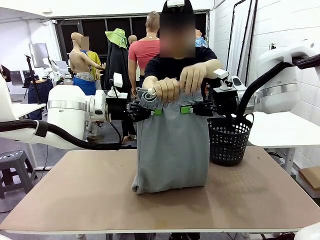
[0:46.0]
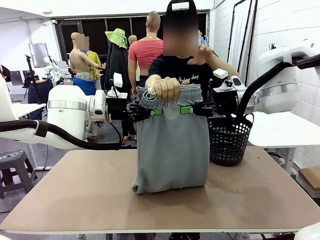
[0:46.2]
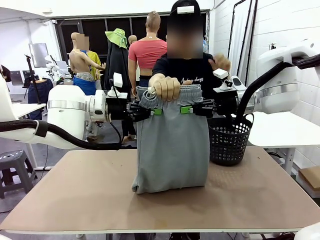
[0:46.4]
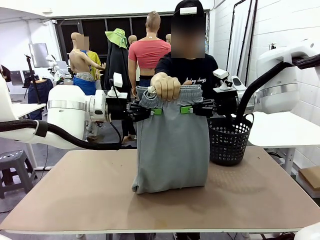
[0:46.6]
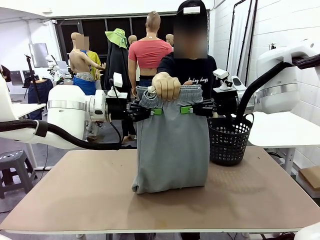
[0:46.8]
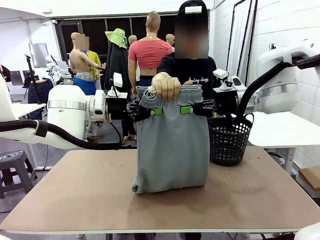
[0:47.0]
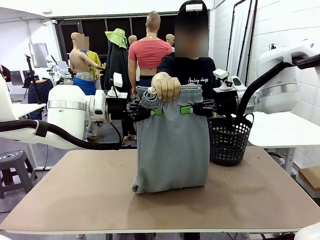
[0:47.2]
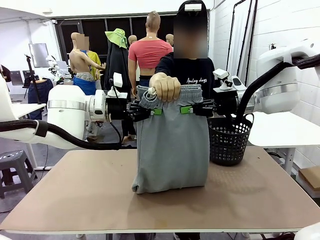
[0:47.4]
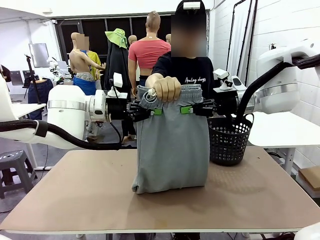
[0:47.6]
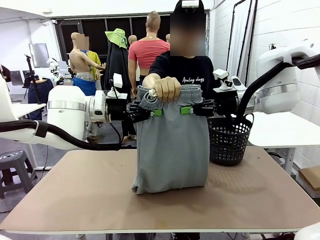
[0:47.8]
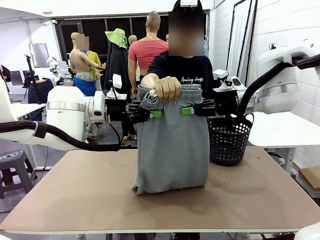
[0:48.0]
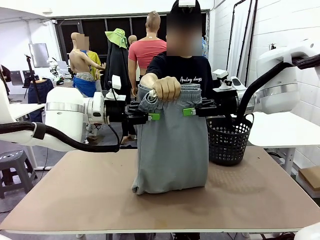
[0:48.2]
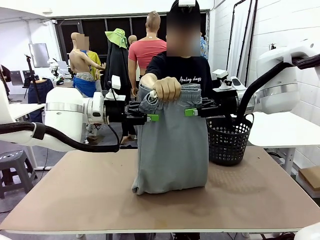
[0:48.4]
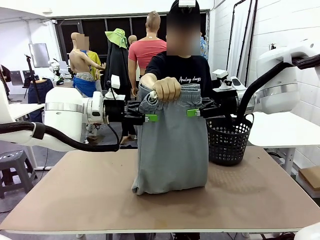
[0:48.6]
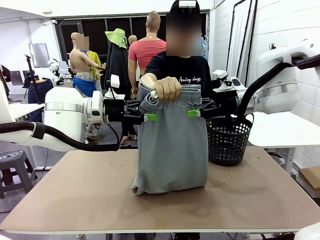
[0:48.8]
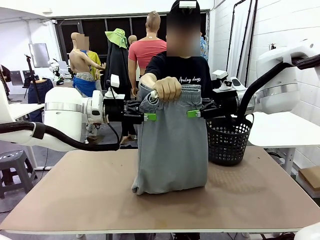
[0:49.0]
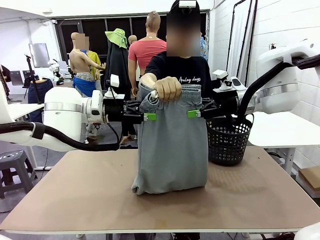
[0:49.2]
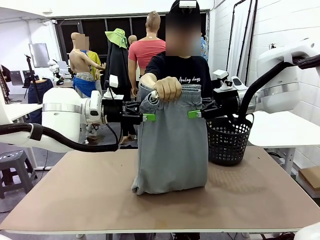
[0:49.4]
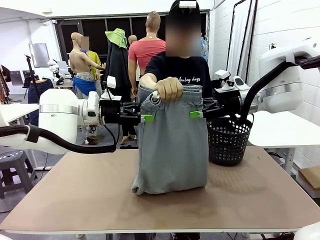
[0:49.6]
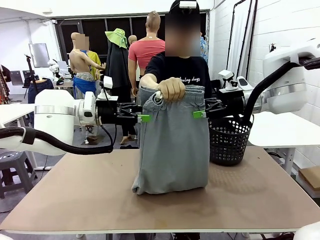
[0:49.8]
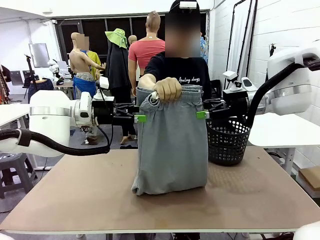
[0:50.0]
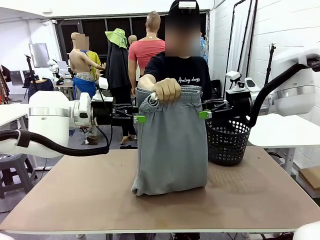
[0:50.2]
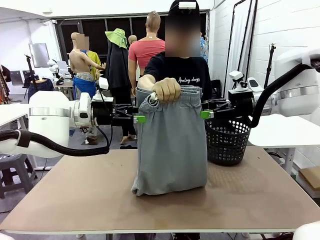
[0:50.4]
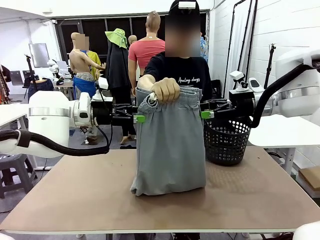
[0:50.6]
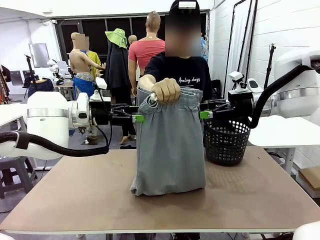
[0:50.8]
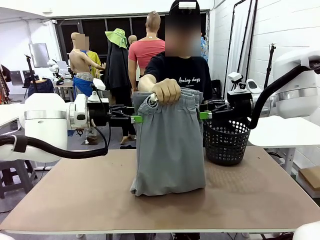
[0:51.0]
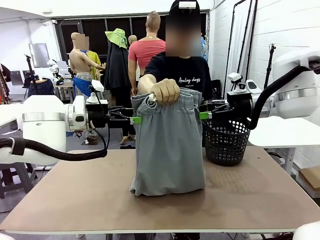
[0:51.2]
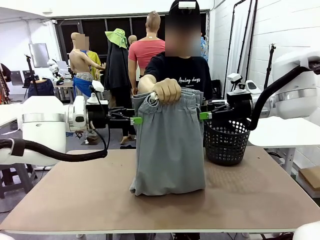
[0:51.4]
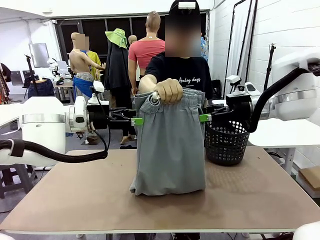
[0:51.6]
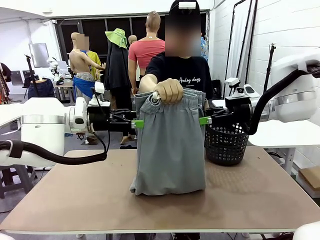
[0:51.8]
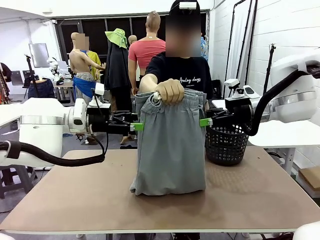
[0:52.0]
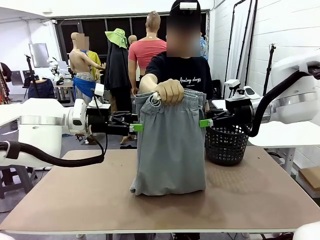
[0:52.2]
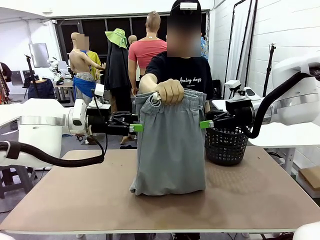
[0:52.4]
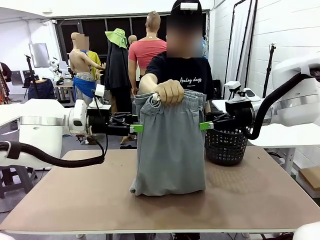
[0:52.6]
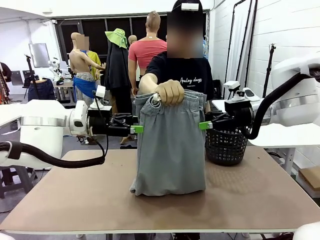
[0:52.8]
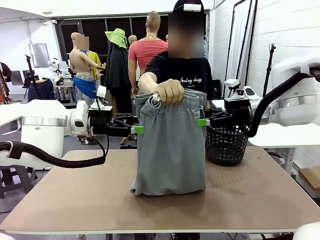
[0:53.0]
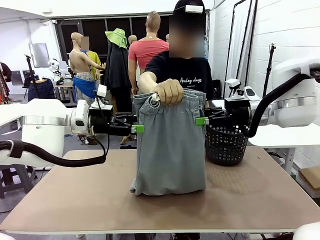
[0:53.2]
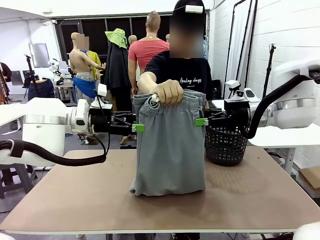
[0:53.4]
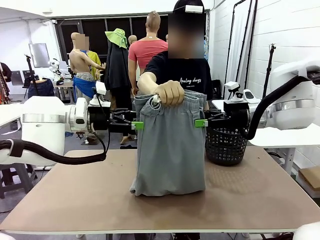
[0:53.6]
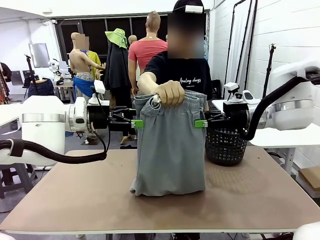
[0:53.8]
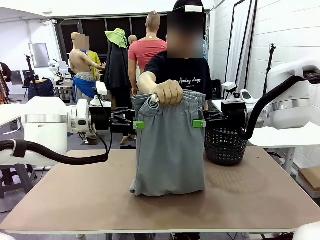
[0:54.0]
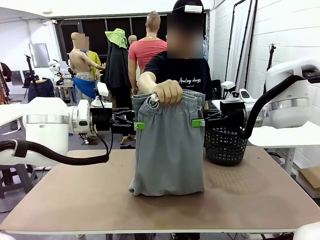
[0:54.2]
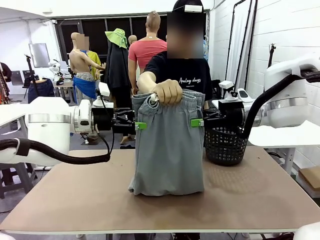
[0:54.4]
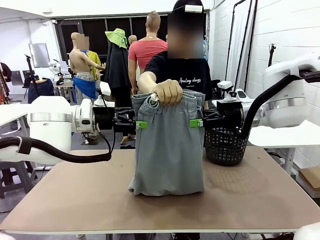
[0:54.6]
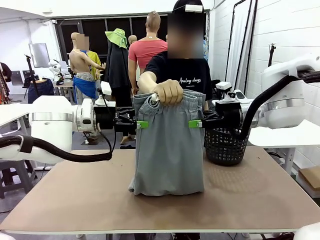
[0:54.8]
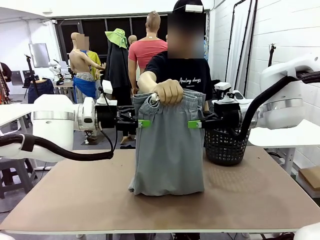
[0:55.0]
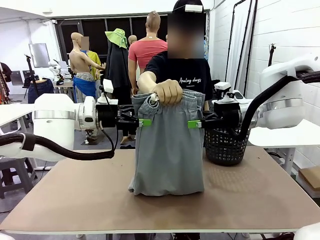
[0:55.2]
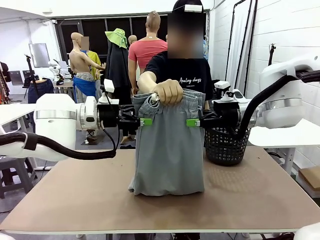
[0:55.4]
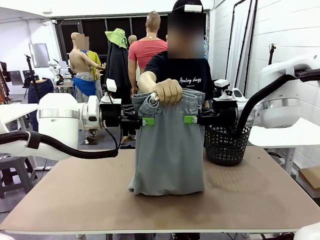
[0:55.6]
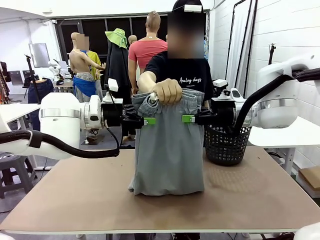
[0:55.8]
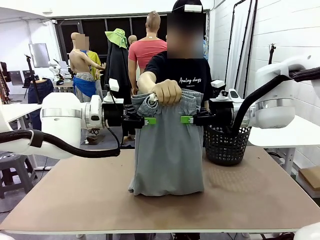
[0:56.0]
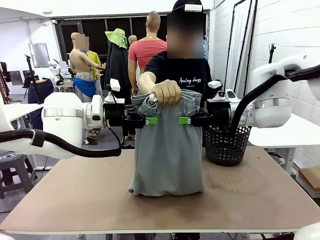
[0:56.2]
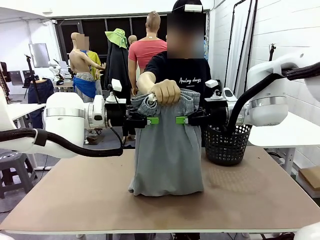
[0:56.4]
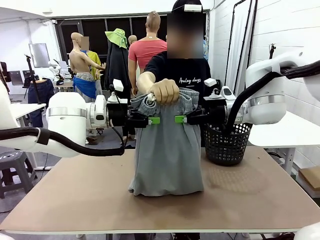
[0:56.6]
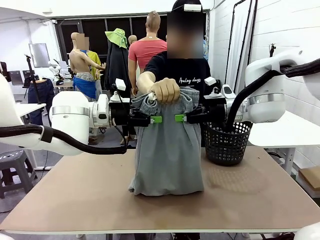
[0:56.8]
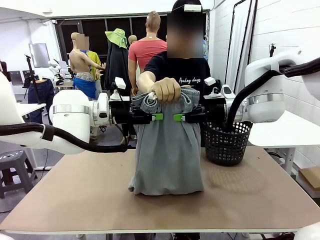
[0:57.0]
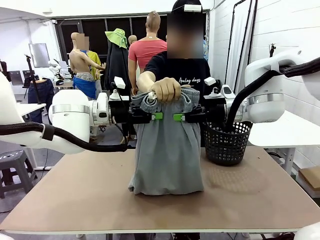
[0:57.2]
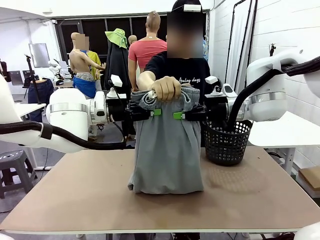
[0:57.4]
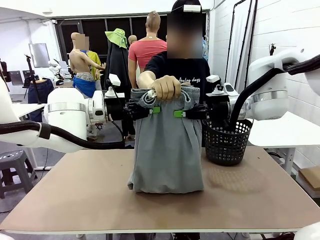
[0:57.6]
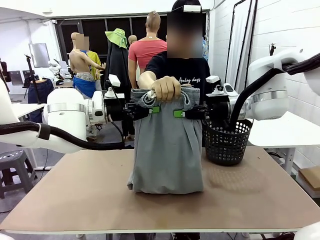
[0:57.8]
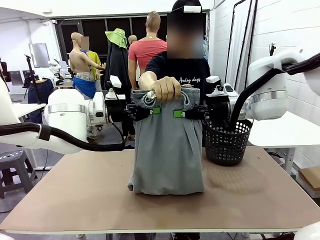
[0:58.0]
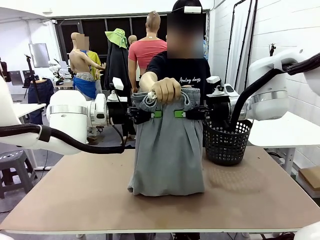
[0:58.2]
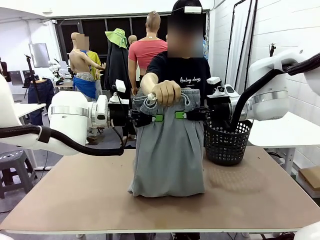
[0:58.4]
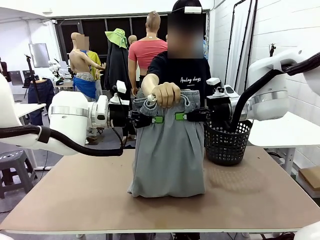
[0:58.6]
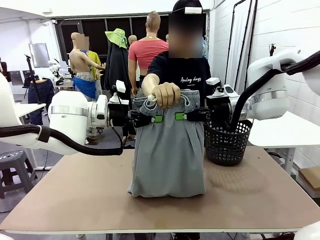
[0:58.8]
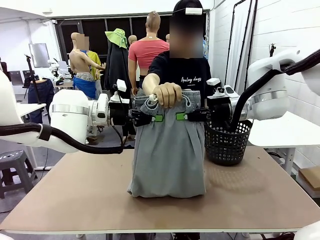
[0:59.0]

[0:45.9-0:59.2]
Task: Fold the training pants.
Robot: Release the ends of the Training pants and then grab the overlapped ends.
Person: Release the pants you were holding.

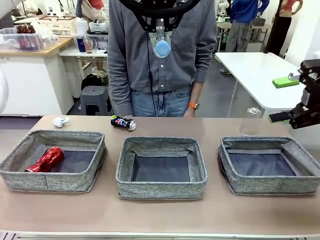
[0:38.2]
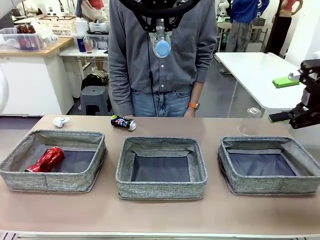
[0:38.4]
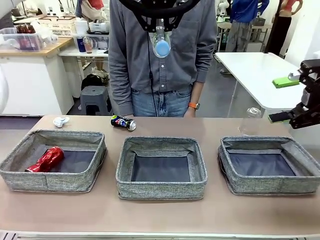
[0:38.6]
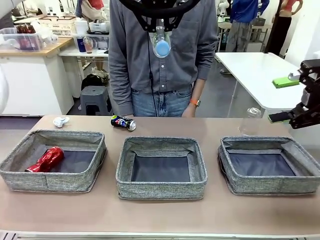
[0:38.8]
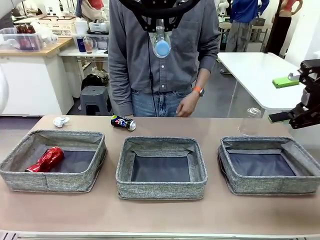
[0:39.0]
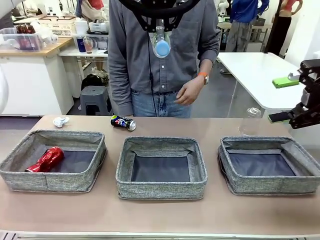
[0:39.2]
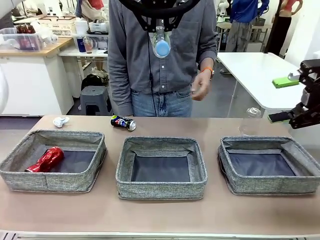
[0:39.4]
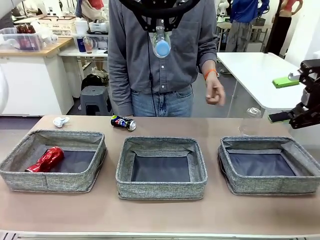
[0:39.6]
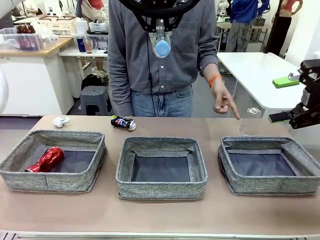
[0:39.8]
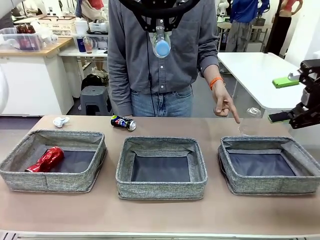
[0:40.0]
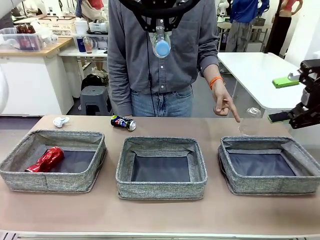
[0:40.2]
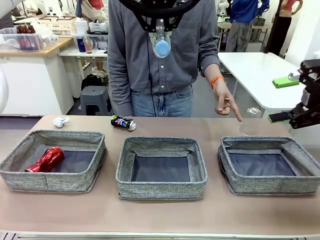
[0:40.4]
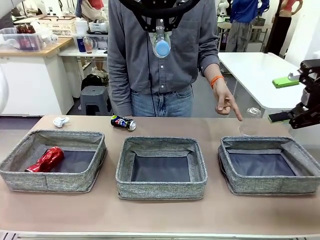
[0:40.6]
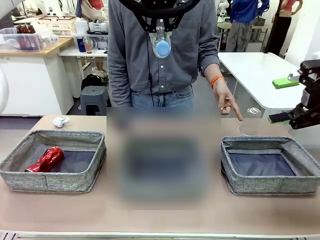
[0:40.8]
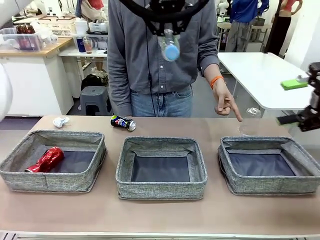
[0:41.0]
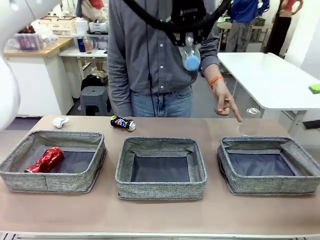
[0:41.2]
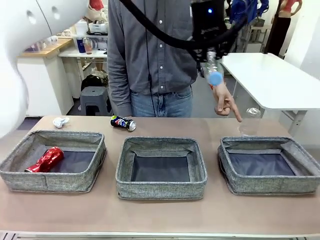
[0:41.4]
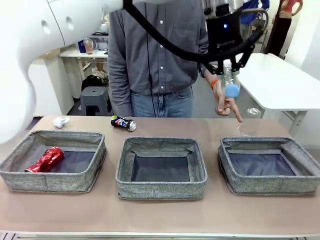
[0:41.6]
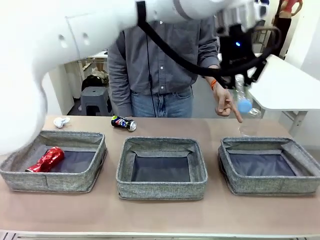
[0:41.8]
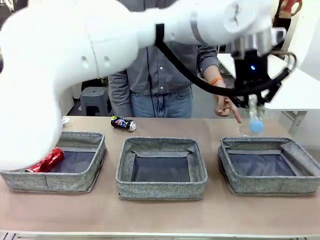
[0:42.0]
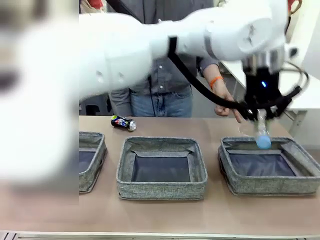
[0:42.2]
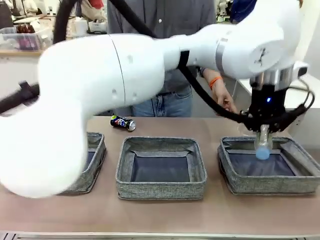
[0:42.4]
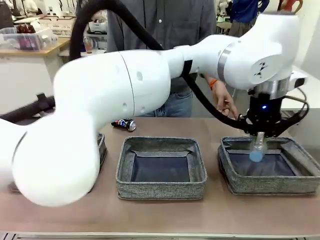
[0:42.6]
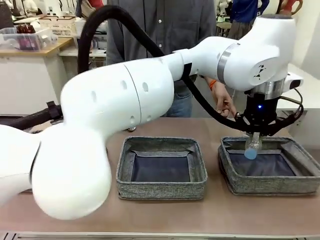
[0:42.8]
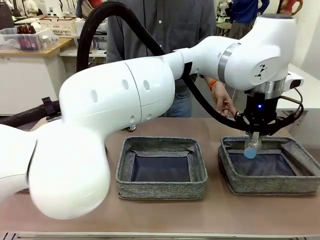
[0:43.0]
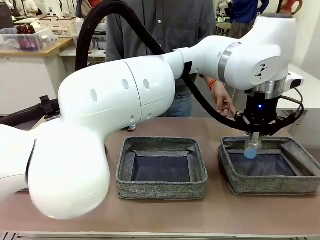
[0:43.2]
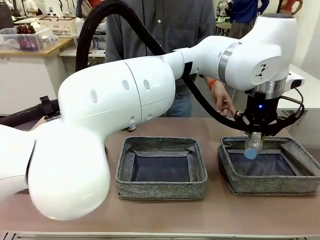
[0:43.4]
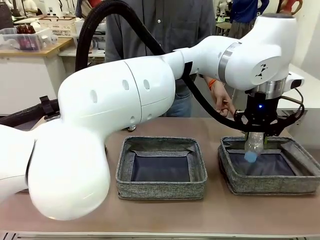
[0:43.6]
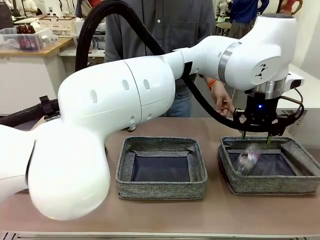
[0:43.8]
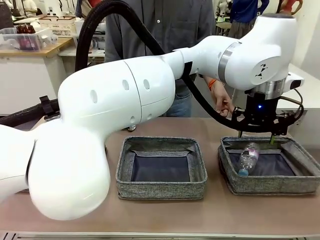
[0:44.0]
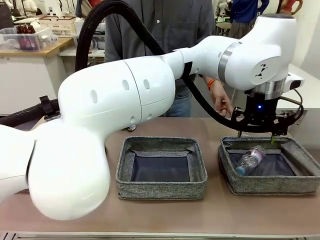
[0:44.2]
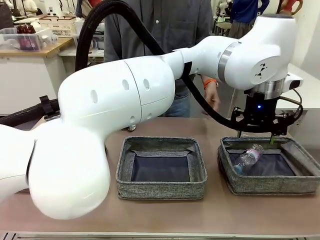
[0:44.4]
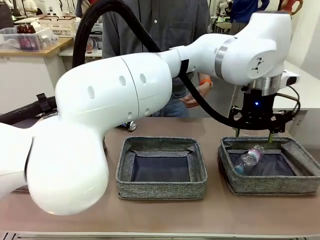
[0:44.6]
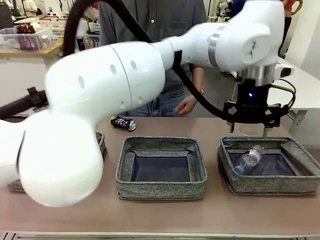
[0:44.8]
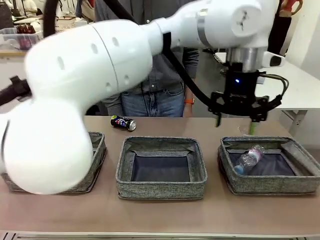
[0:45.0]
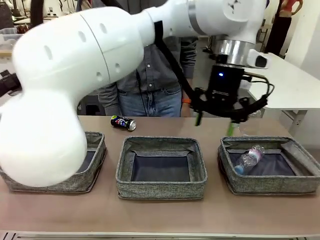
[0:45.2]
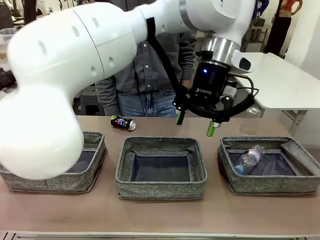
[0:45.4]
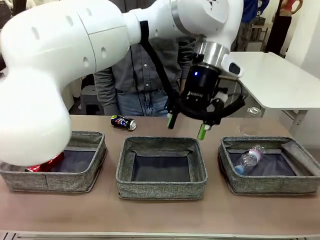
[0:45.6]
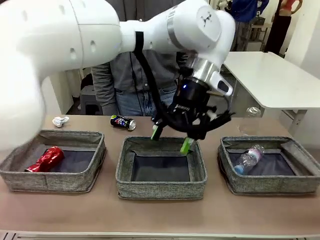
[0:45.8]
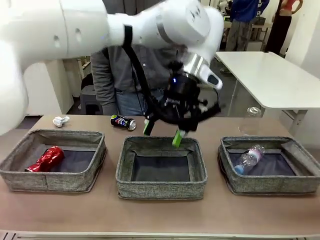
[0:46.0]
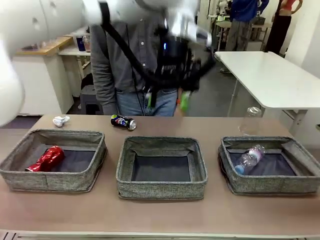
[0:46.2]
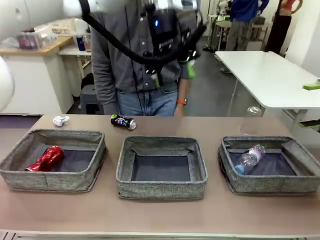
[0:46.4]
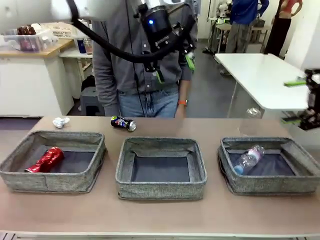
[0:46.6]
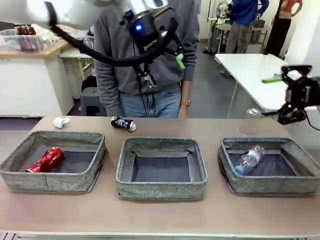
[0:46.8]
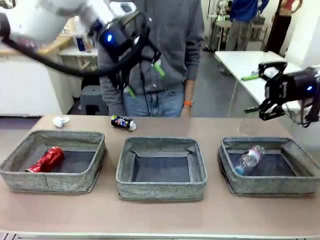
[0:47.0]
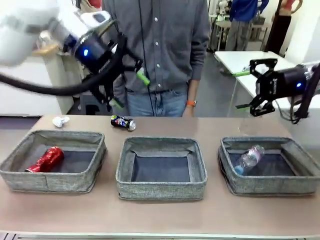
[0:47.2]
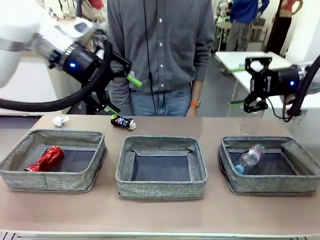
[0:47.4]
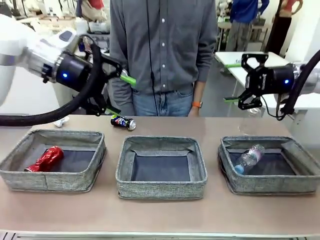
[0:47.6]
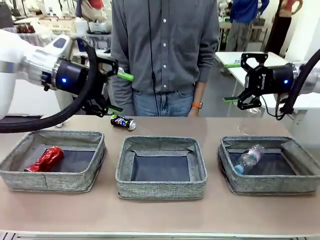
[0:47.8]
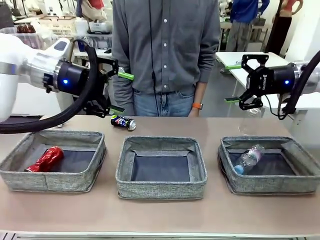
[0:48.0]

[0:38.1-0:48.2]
Task: Sort the waste into the appropriate baskets.
Robot: Place the picked waste into the Fabric basket indicated by the person.
Person: Instructs the robot to place the picked-up trash into the appropriate organizing basket.
